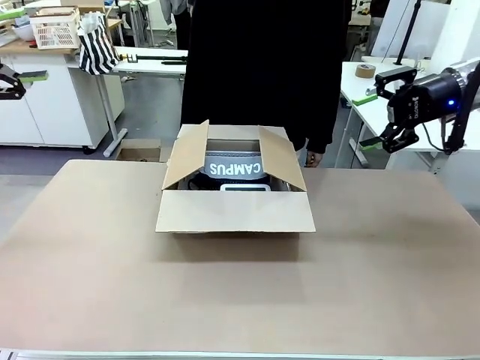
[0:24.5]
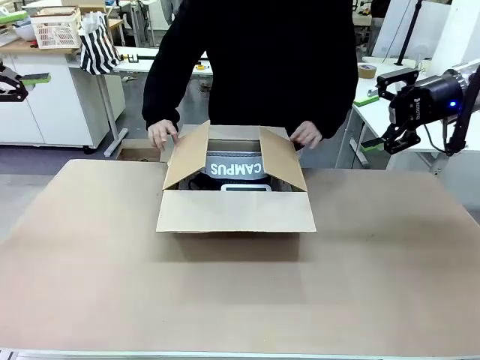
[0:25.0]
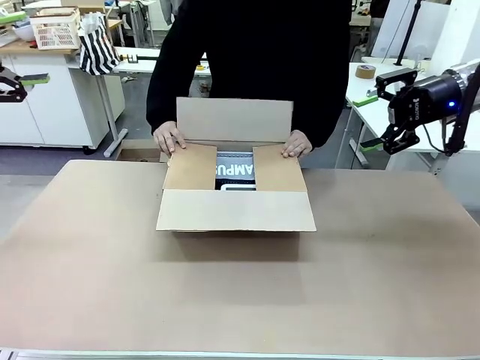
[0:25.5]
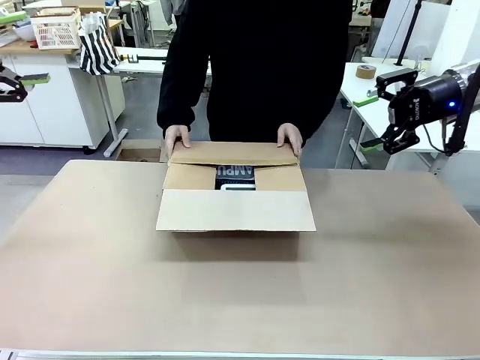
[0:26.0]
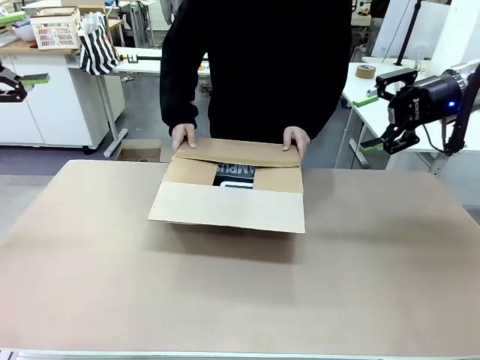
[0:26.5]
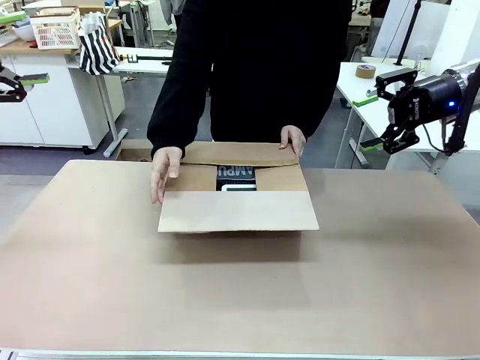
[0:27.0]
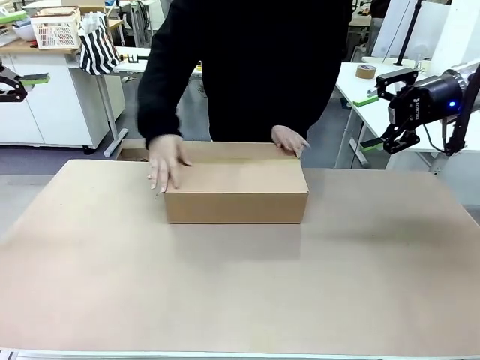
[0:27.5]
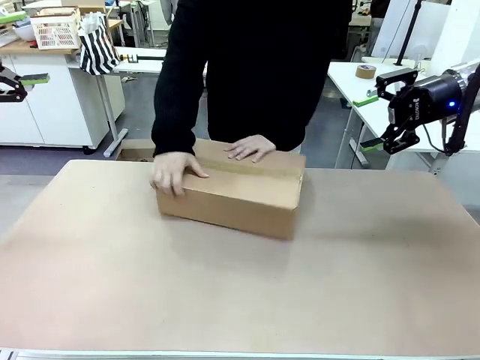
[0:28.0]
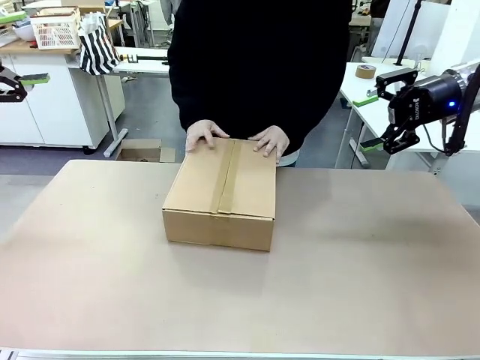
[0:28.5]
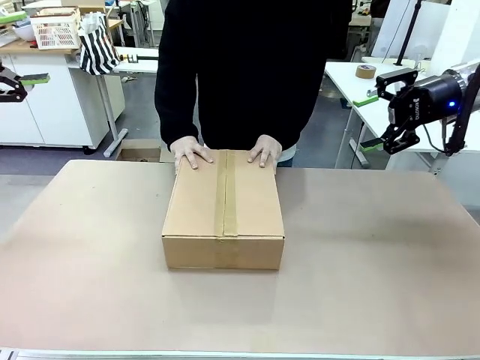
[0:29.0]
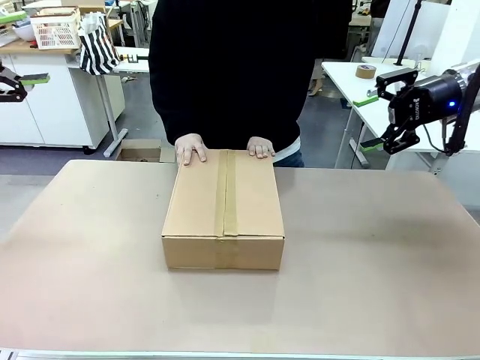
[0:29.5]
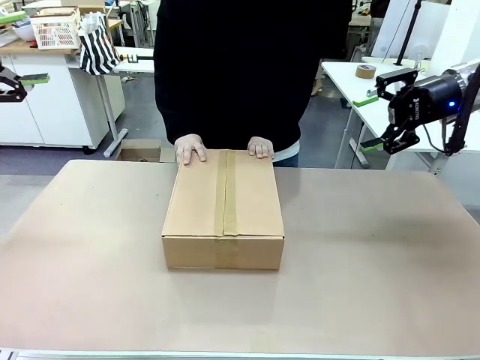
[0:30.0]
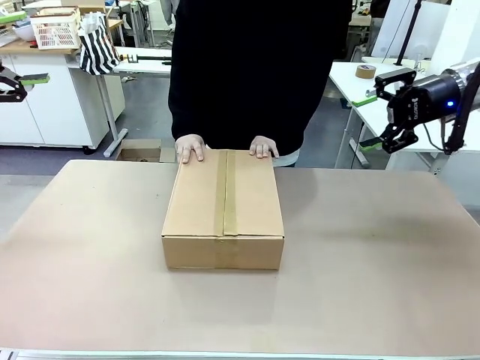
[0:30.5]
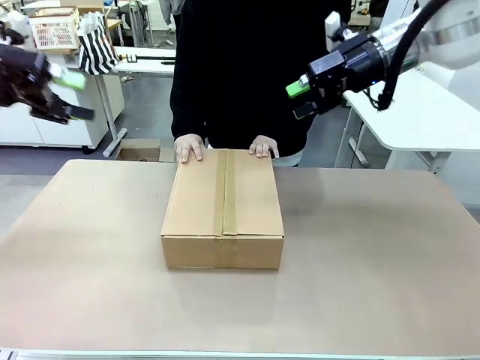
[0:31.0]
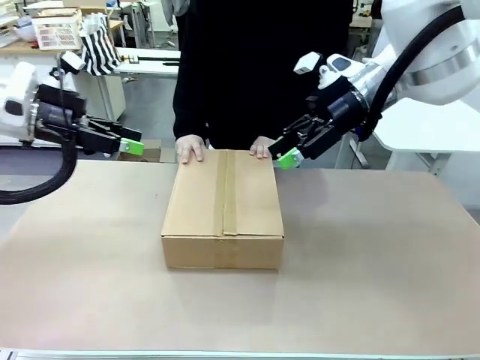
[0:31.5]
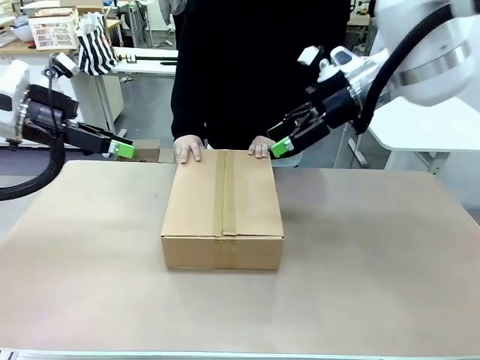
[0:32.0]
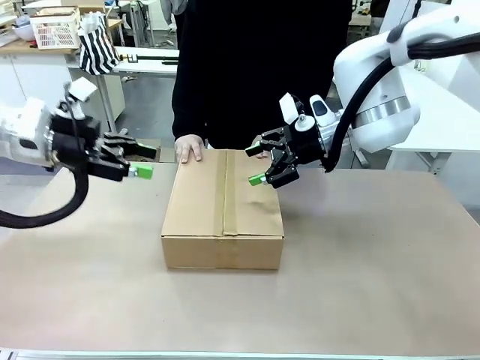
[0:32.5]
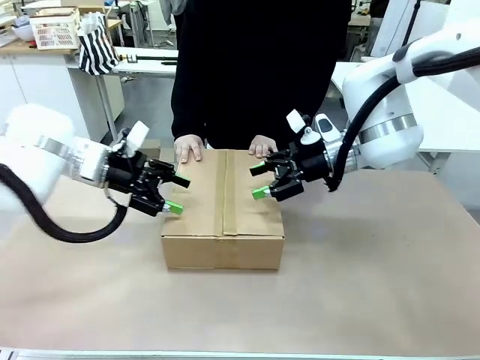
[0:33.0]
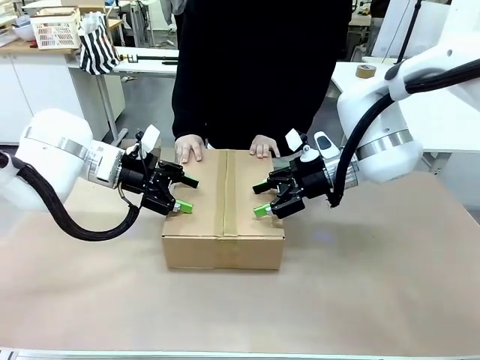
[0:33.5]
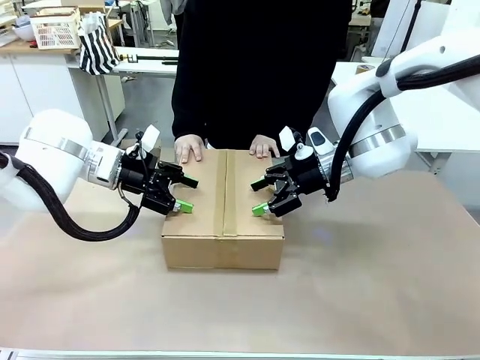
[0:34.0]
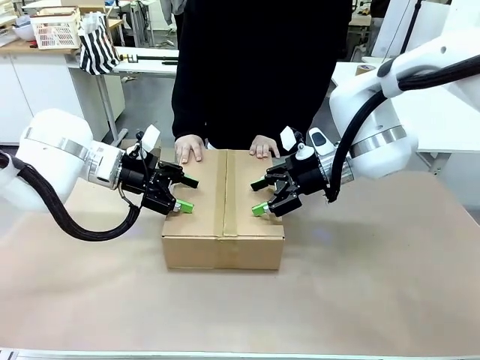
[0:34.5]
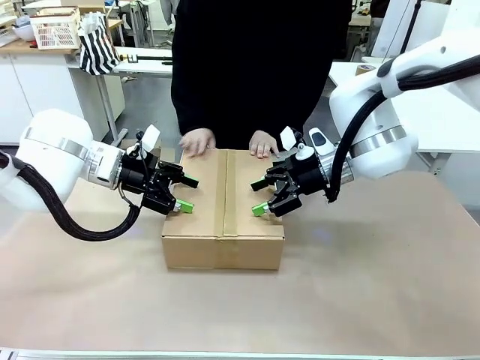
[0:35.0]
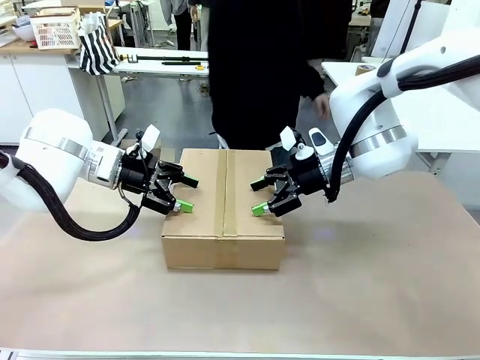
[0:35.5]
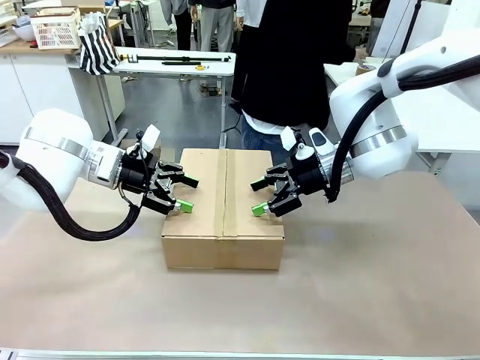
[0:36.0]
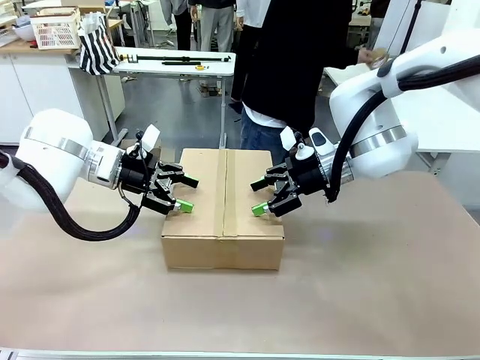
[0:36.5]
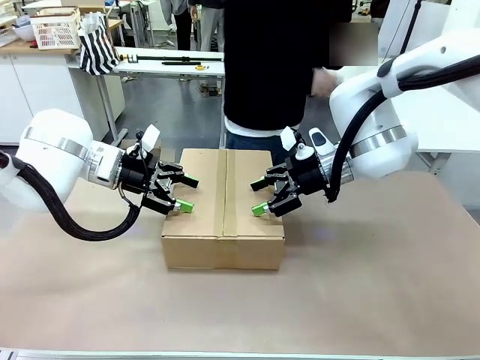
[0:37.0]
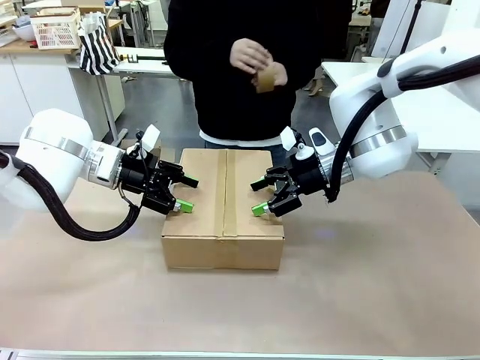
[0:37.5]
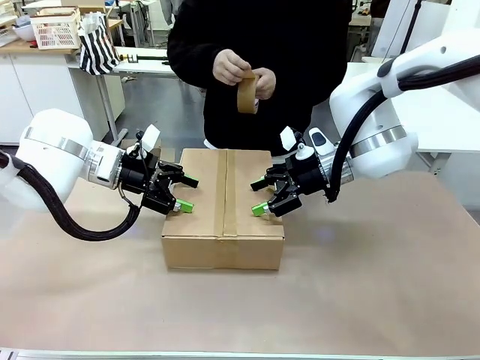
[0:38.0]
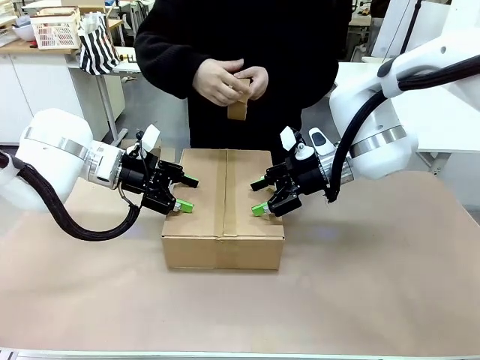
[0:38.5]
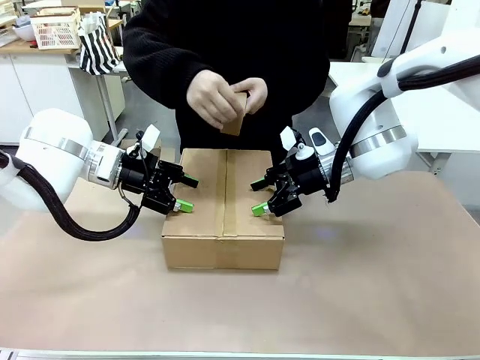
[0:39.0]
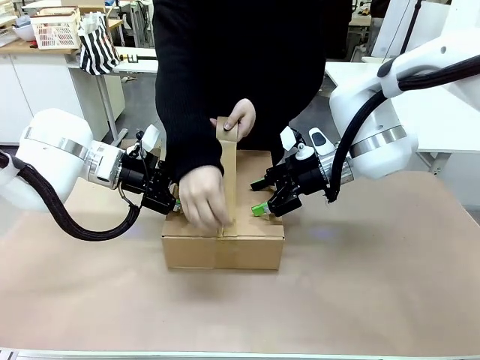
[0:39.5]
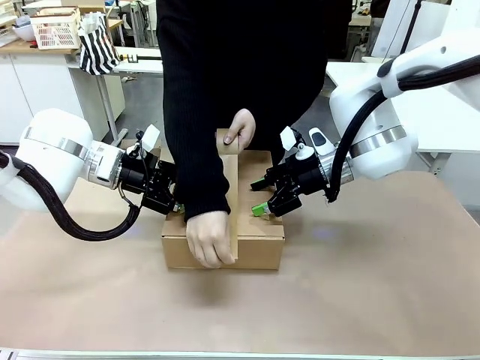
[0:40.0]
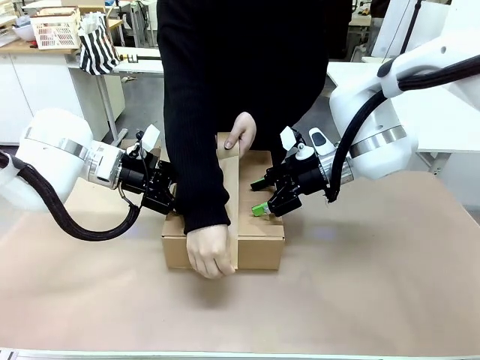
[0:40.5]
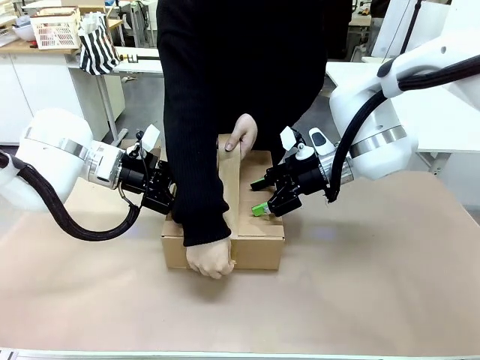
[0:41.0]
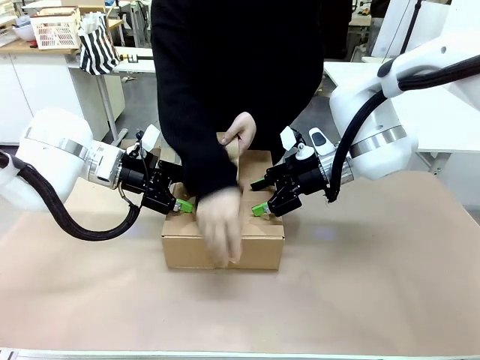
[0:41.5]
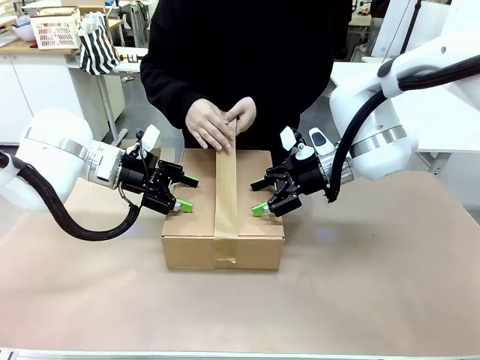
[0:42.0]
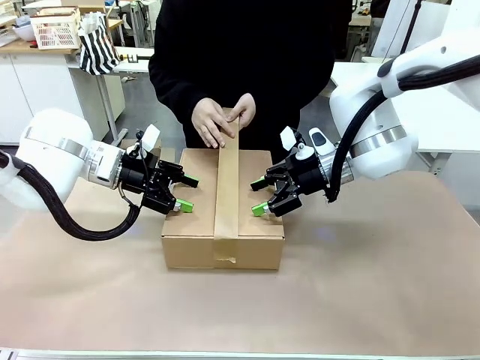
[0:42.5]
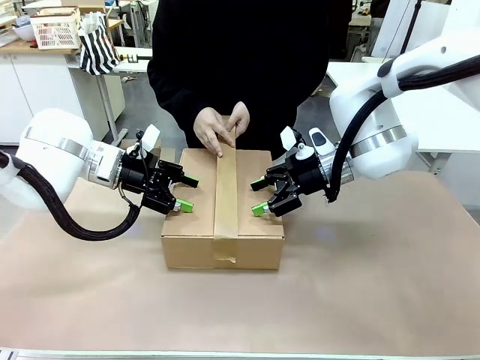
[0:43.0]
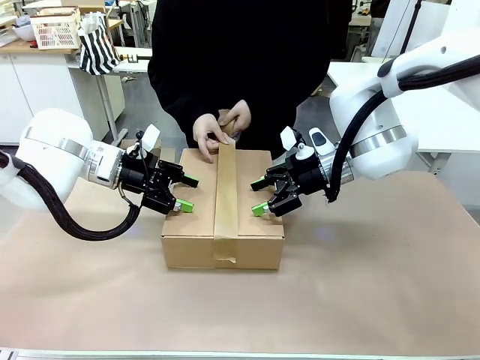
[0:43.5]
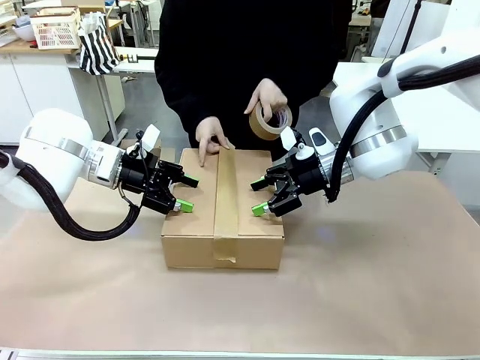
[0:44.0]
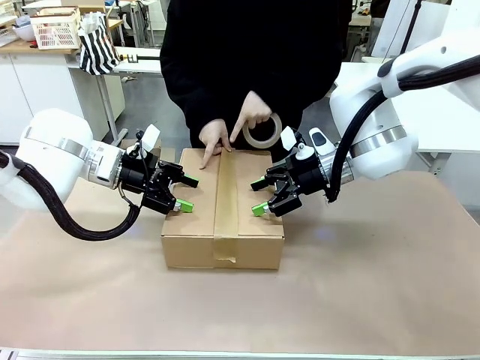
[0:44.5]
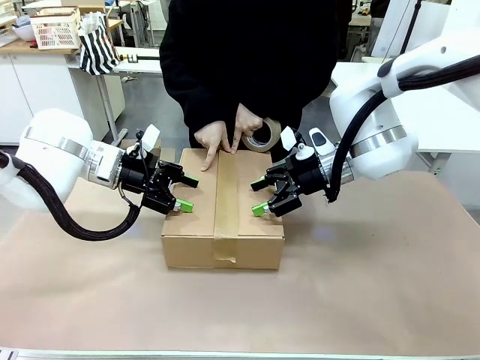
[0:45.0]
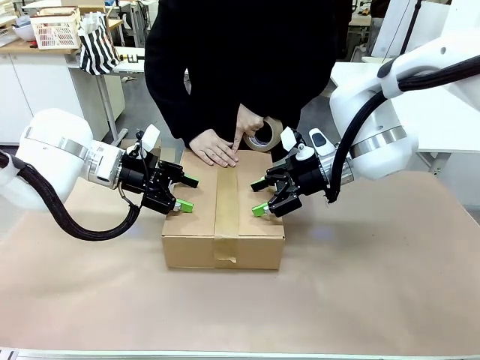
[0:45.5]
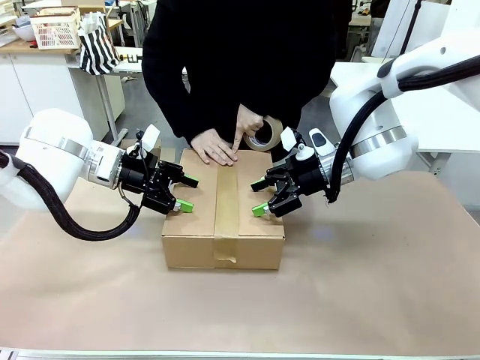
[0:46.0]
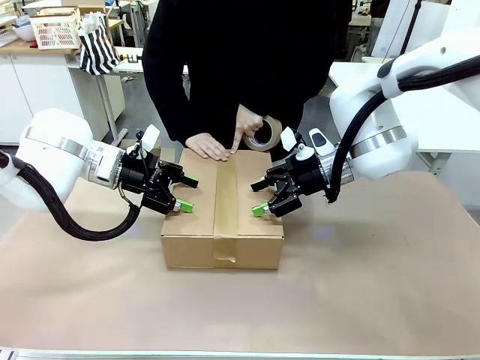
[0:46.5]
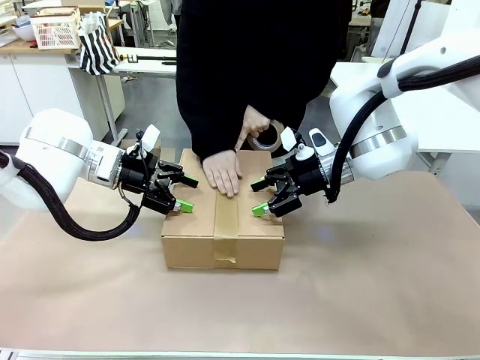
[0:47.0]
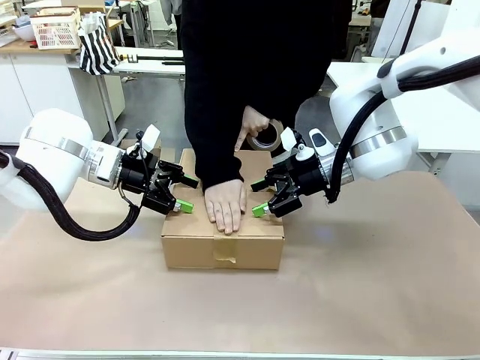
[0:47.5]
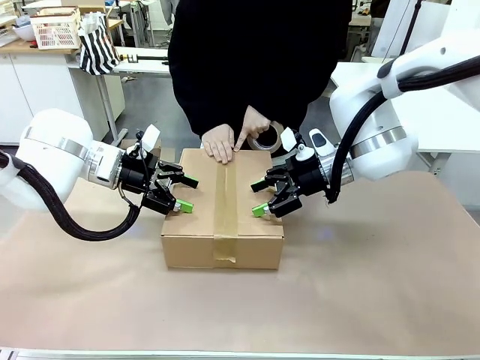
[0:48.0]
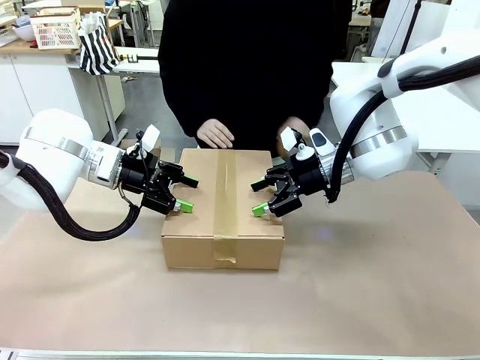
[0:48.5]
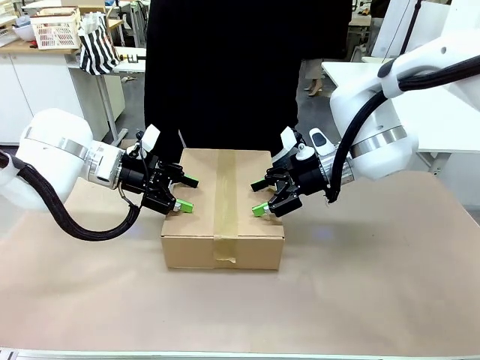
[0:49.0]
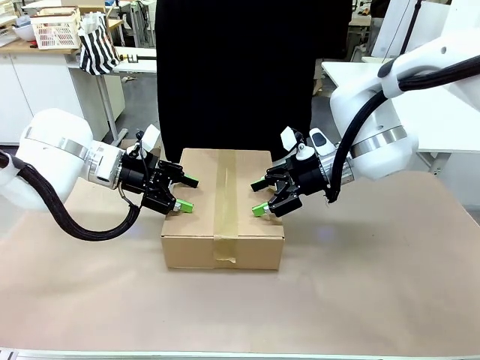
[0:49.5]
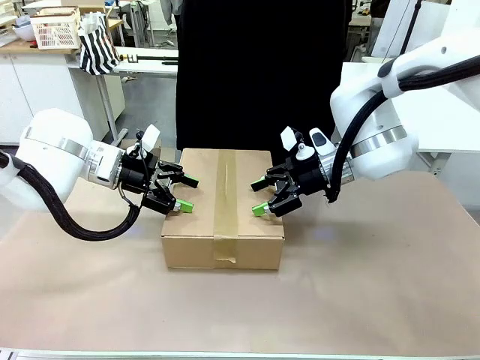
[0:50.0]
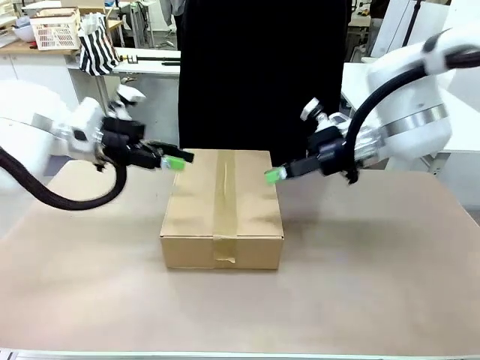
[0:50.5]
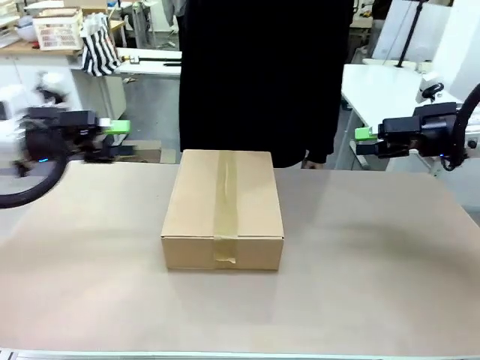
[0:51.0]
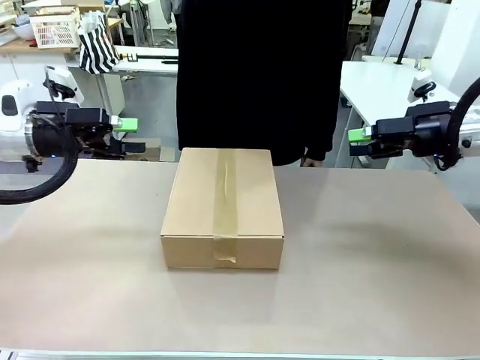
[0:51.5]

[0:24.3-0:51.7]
Task: Pack the gift set into the box.
Robot: Press and hold the closed box until the human finishes sealing it.
Person: The human closes the box and rotates the box by 90 degrees. The human picks up the paper tape from the human table and packs the box.
